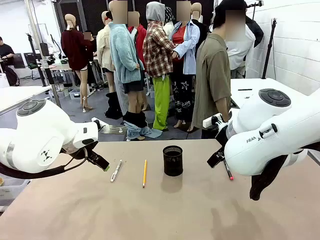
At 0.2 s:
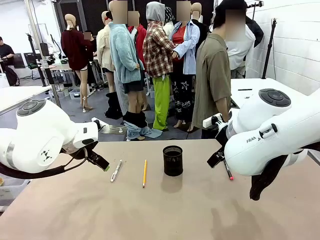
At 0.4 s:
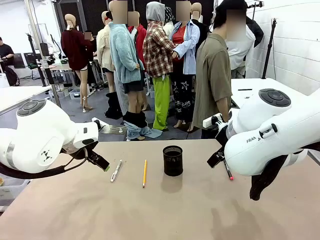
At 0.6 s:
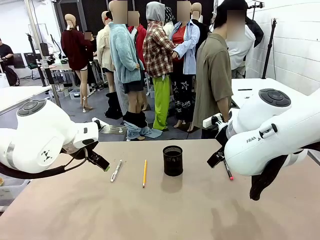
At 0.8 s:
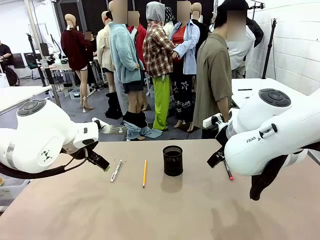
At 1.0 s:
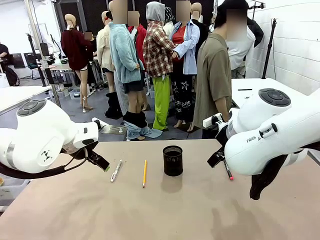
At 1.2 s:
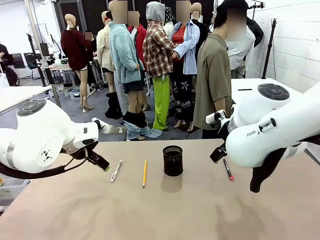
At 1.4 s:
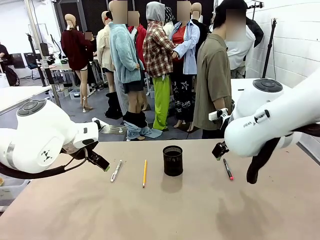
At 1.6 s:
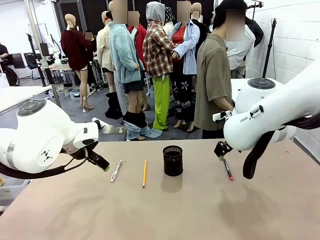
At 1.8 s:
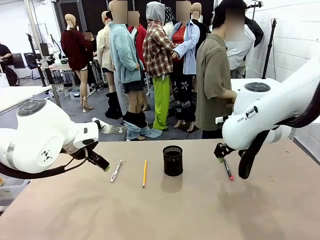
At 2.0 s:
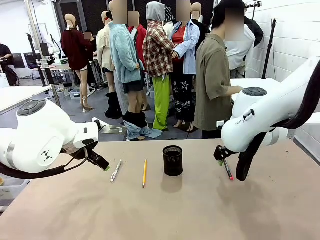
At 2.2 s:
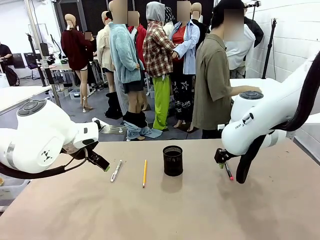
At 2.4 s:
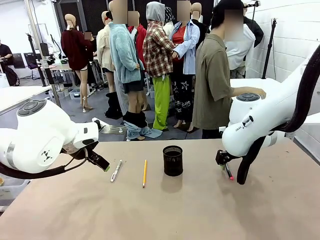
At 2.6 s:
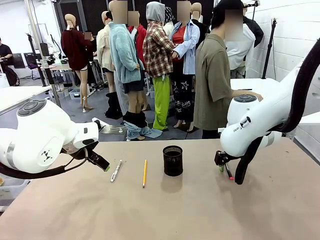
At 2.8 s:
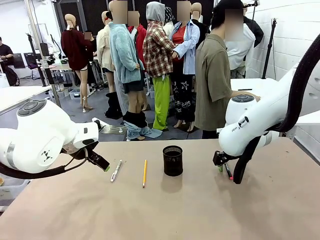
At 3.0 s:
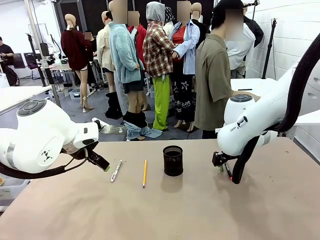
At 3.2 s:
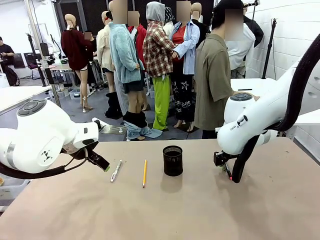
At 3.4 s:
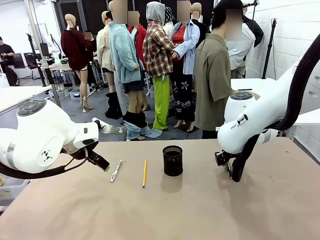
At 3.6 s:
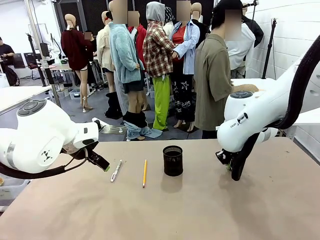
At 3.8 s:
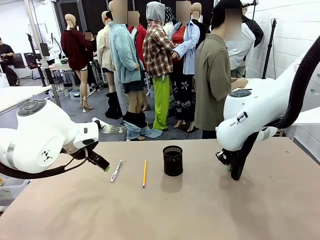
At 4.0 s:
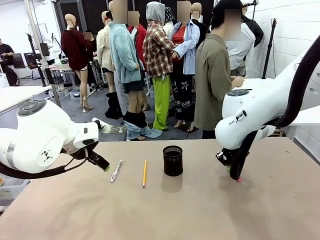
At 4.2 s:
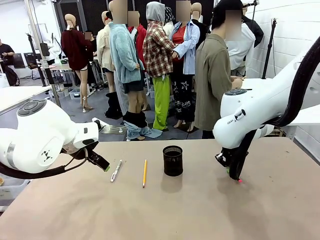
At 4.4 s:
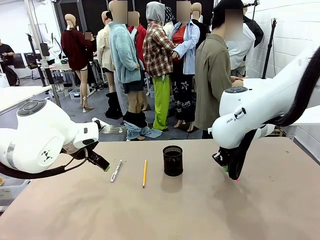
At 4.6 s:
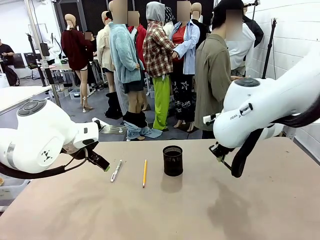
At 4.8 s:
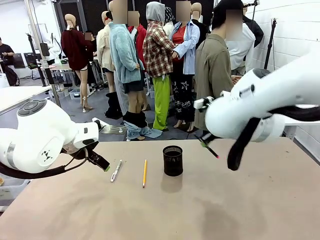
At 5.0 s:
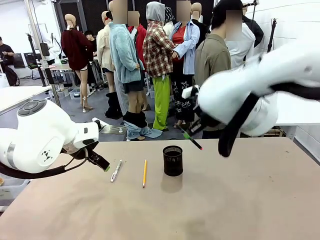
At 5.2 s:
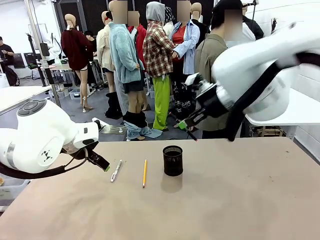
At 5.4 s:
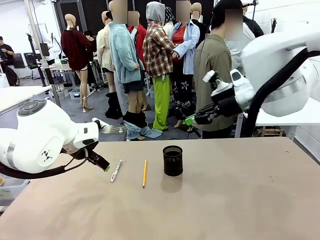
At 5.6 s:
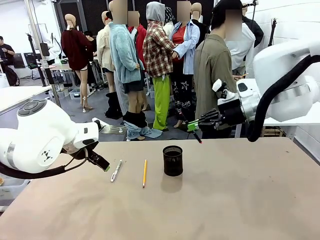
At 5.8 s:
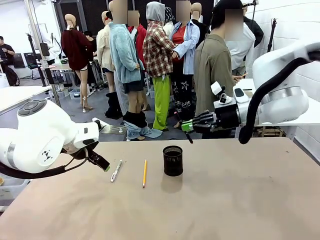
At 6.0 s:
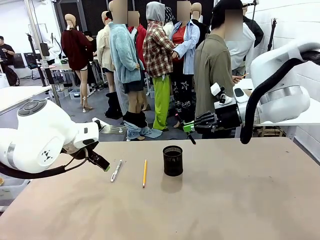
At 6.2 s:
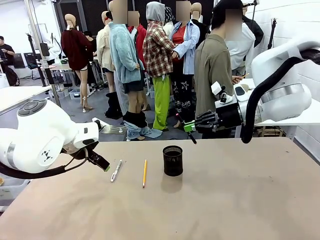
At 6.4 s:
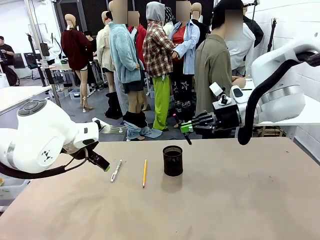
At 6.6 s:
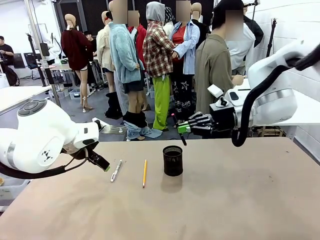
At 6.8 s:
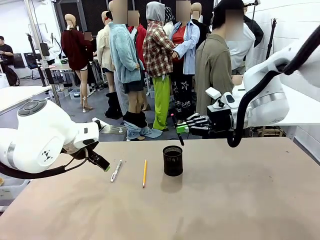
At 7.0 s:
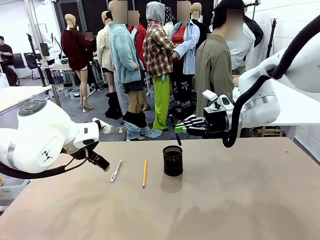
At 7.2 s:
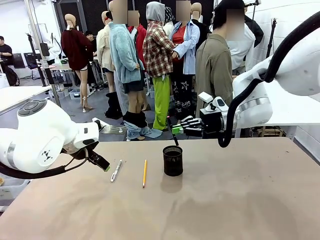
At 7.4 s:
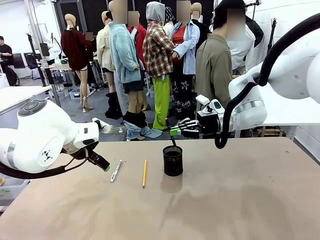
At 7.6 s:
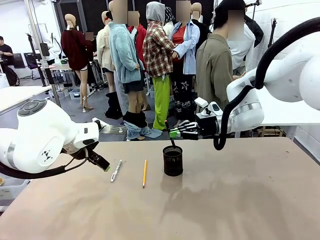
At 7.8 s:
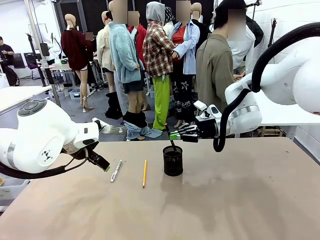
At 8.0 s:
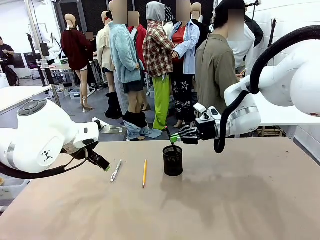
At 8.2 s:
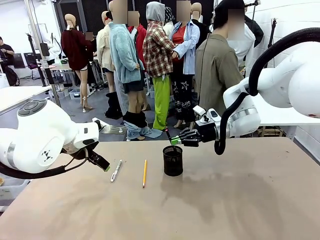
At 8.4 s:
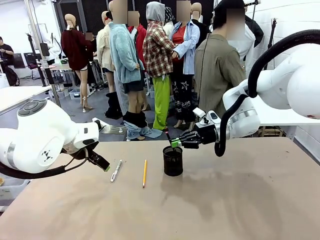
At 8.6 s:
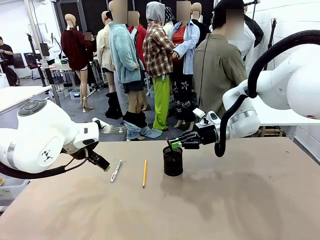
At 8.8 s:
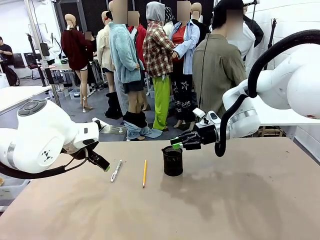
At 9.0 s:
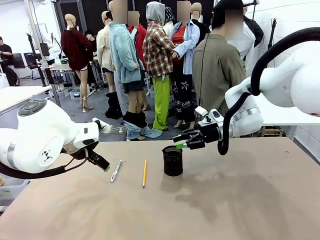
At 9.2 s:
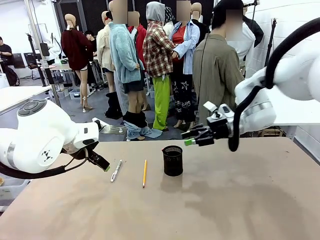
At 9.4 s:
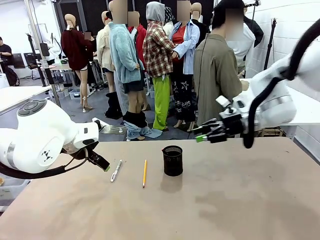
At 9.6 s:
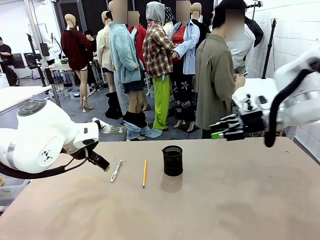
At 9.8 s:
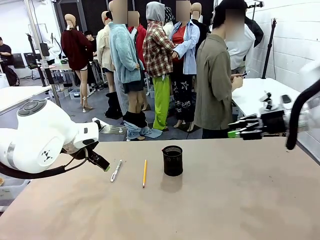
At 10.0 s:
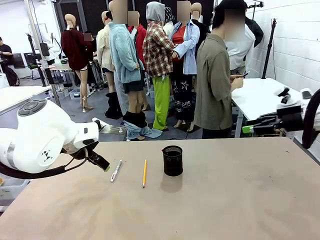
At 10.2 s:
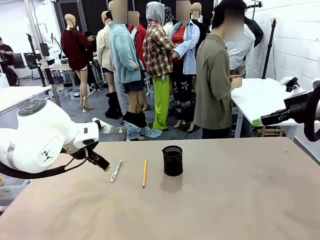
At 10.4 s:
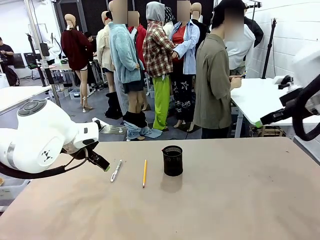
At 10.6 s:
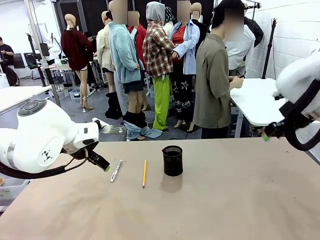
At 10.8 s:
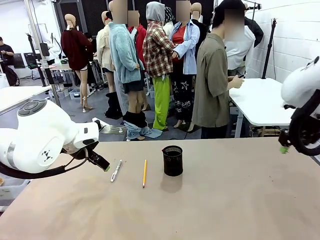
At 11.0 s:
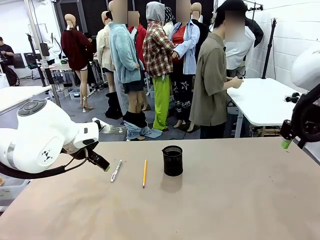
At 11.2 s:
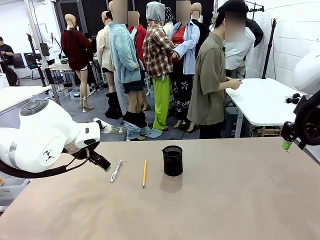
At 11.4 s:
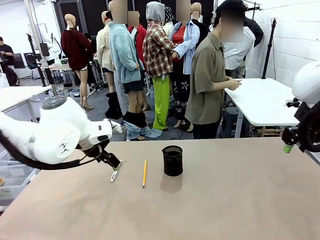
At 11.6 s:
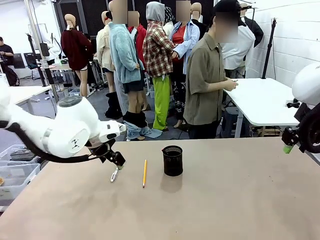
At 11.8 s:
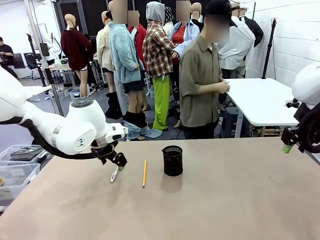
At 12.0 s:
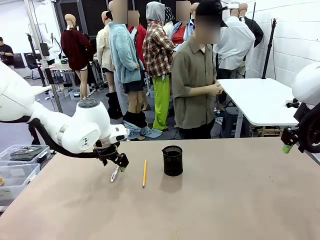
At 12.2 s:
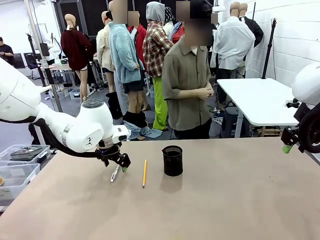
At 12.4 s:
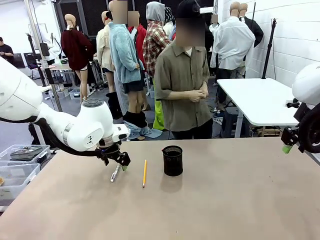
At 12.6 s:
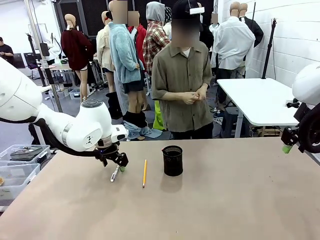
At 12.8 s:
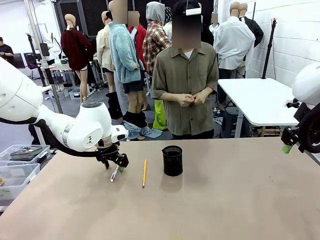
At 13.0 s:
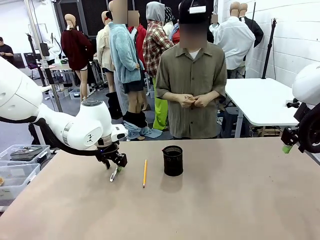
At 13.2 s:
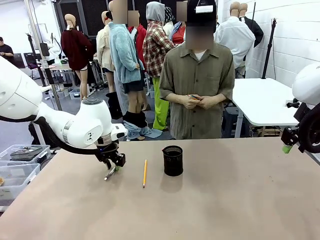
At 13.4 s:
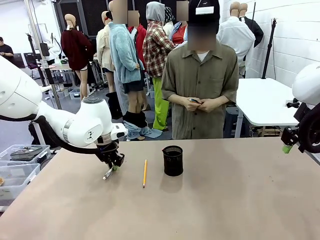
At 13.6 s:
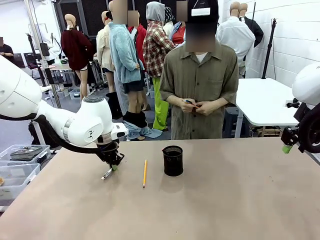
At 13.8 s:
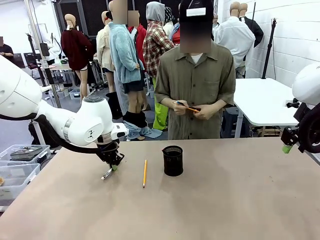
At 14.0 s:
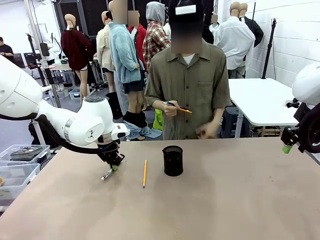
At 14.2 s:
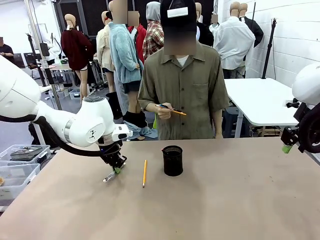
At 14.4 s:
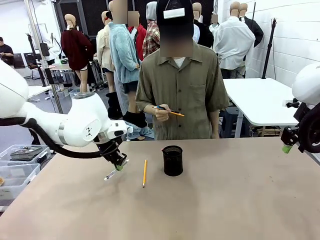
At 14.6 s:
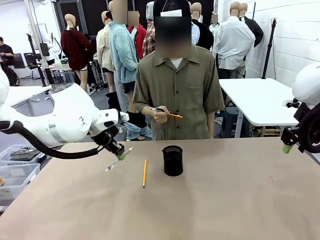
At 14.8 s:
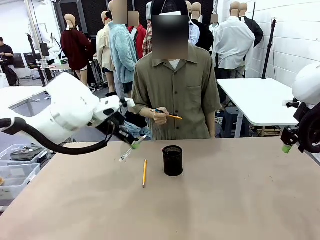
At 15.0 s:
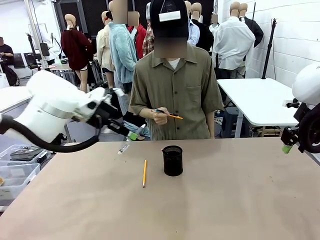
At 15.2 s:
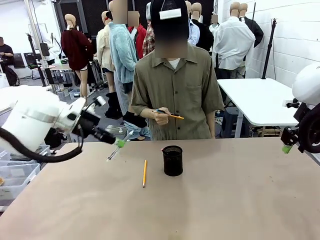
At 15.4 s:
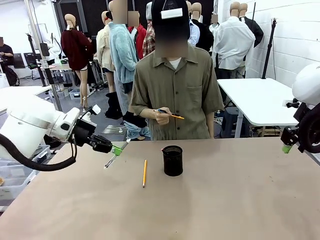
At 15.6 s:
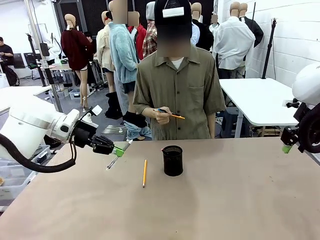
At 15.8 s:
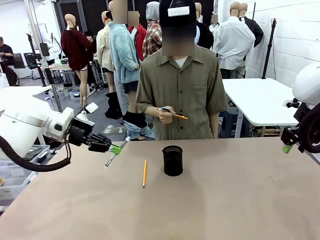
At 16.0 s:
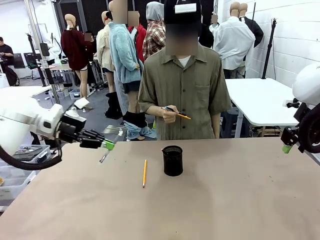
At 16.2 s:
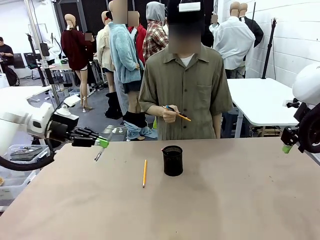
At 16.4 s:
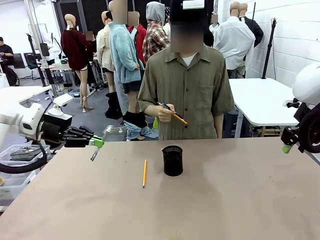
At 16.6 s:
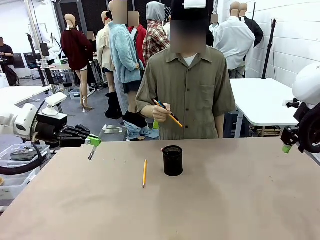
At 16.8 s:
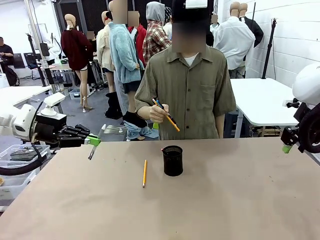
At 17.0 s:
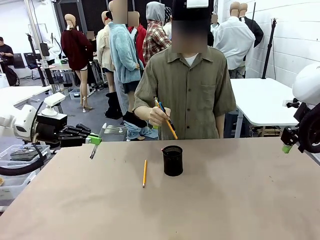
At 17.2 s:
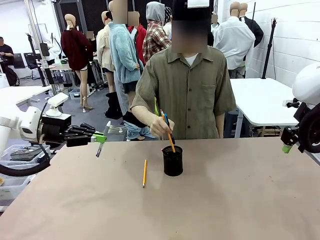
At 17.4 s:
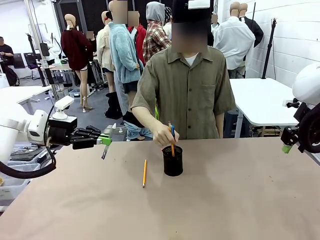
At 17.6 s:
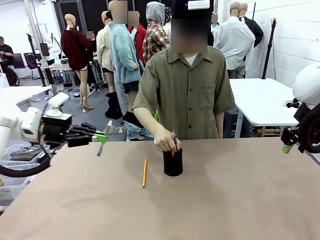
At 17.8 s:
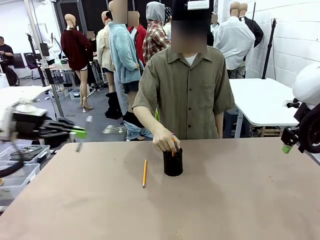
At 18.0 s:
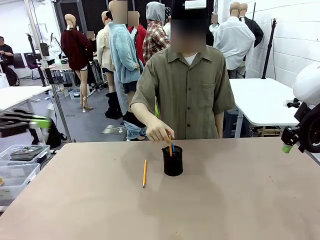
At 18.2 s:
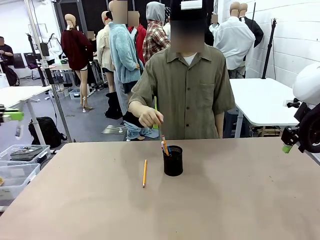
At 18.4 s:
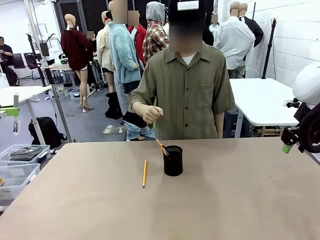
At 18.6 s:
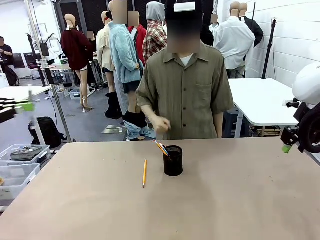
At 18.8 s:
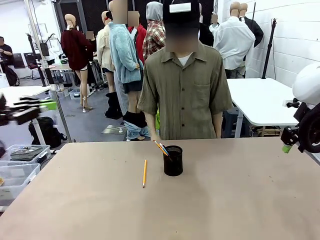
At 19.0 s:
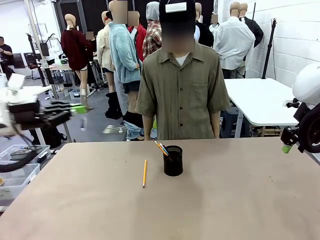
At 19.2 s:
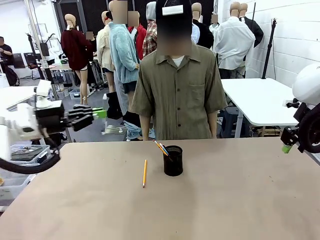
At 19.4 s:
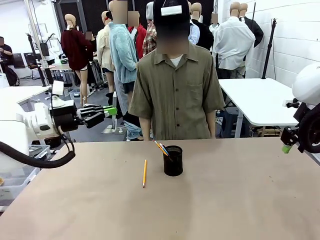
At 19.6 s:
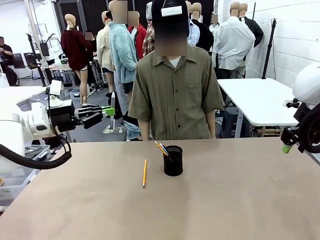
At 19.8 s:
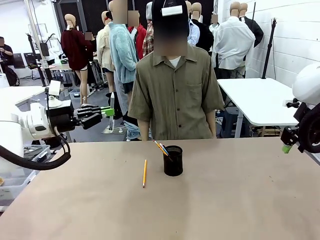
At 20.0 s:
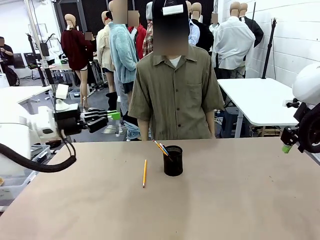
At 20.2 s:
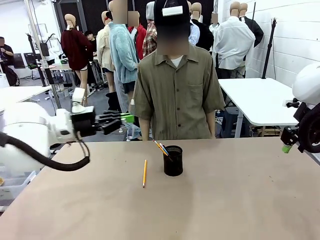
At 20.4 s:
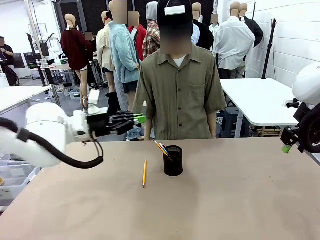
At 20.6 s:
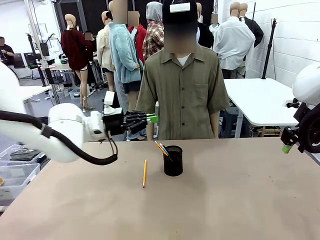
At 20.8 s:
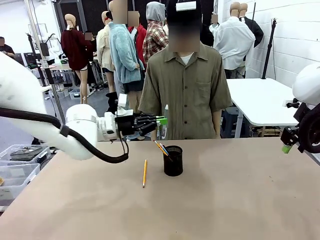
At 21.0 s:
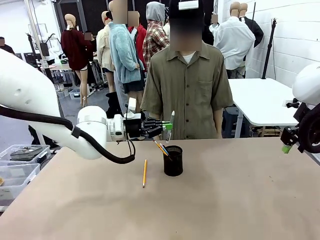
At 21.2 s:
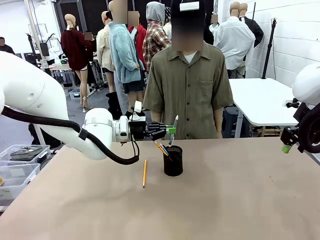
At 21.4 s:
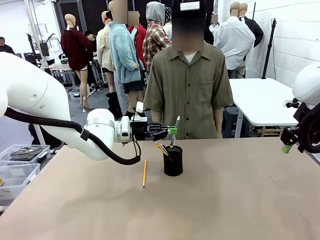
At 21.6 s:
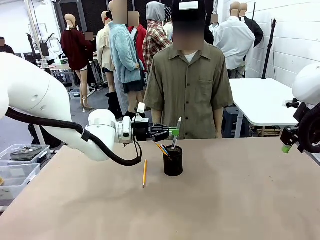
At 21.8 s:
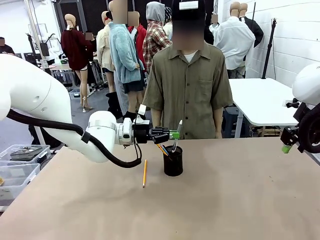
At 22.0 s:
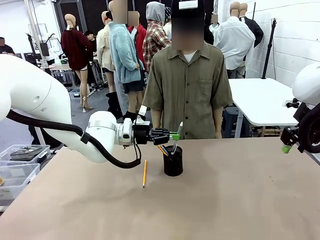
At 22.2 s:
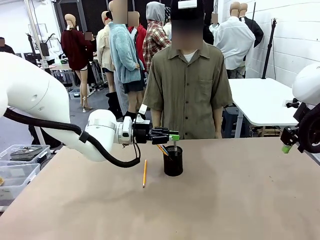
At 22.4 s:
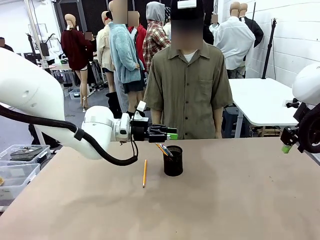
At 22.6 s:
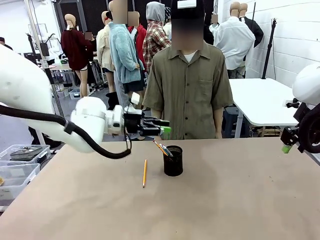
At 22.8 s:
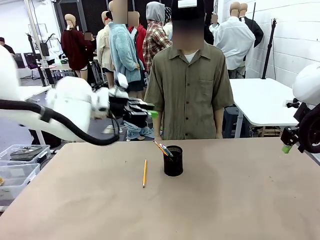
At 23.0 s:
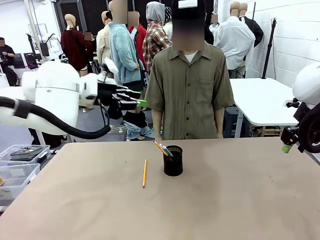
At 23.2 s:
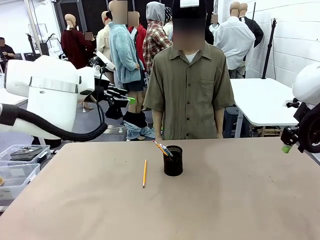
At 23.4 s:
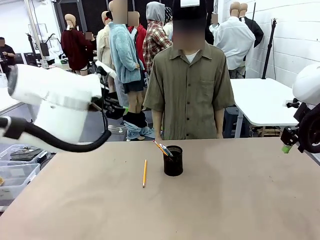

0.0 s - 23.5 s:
Task: Place the pens into the pen holder.
Robot: Pick up a writing instrument from the table and place it into the Pen holder.
Person: Pick up all writing instruments from the Human table.
